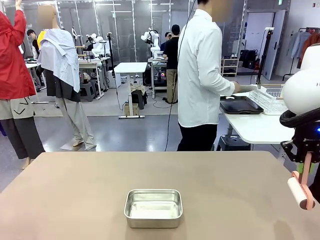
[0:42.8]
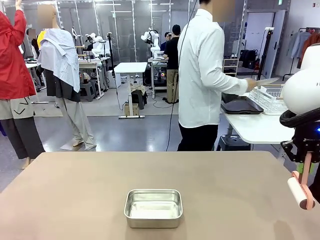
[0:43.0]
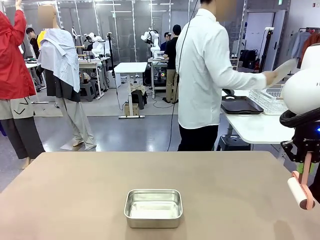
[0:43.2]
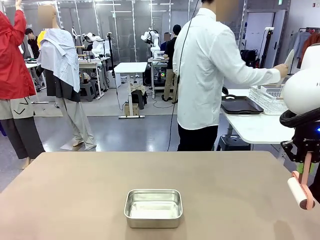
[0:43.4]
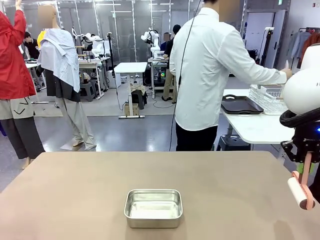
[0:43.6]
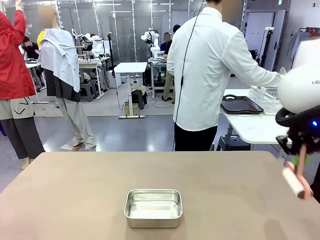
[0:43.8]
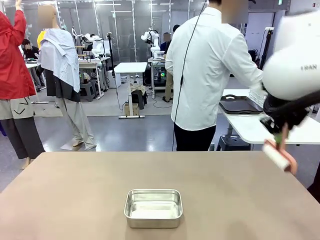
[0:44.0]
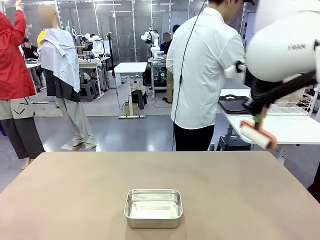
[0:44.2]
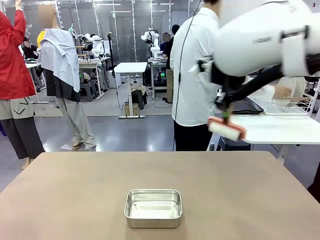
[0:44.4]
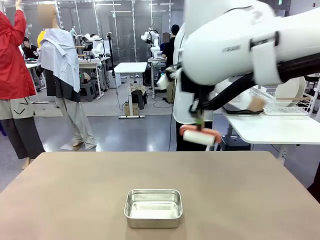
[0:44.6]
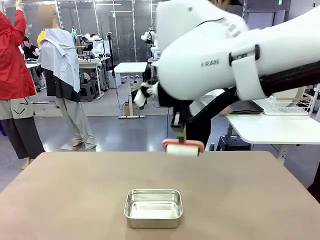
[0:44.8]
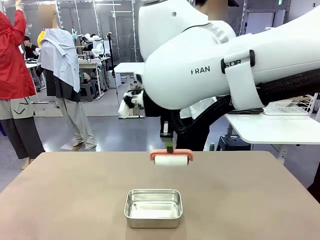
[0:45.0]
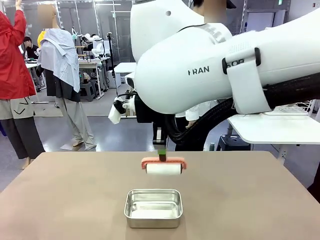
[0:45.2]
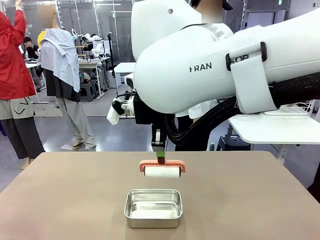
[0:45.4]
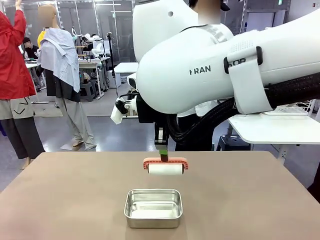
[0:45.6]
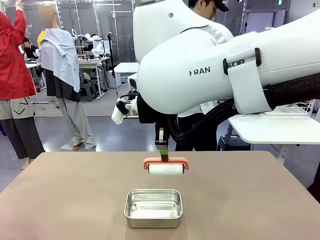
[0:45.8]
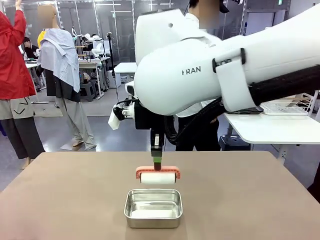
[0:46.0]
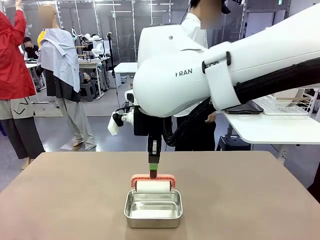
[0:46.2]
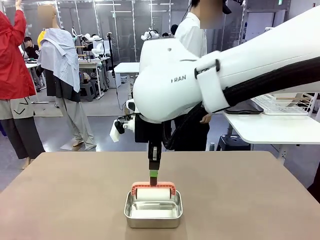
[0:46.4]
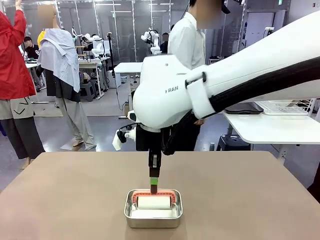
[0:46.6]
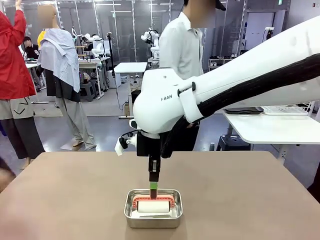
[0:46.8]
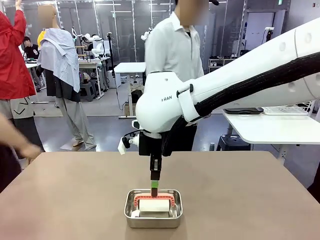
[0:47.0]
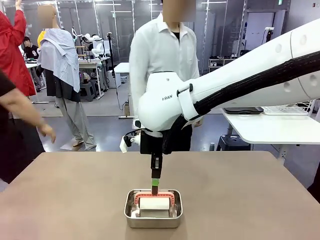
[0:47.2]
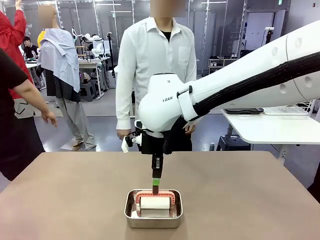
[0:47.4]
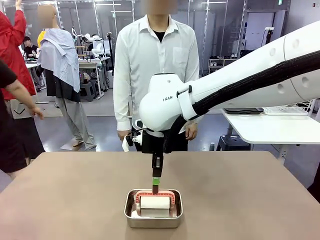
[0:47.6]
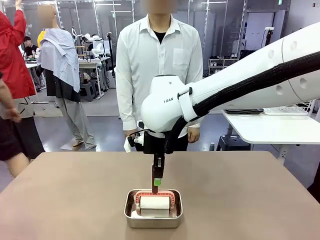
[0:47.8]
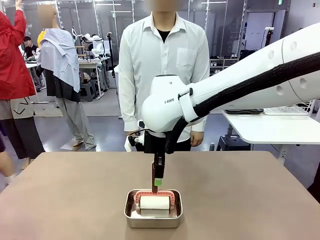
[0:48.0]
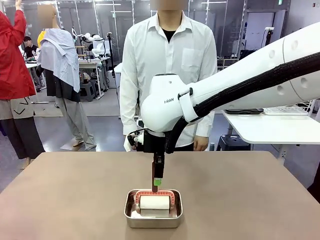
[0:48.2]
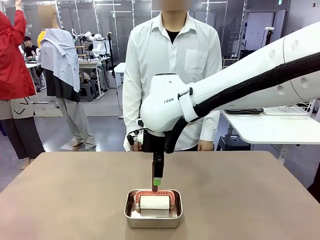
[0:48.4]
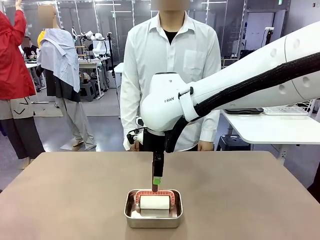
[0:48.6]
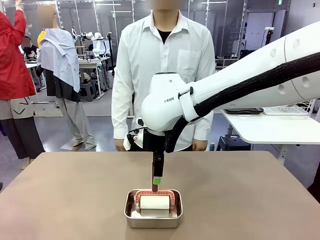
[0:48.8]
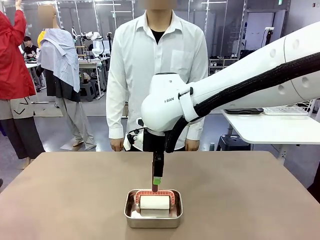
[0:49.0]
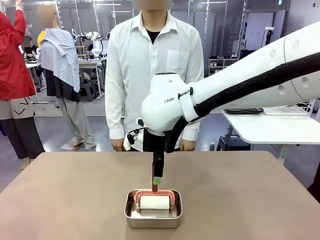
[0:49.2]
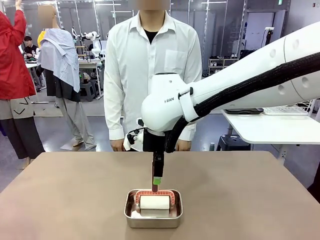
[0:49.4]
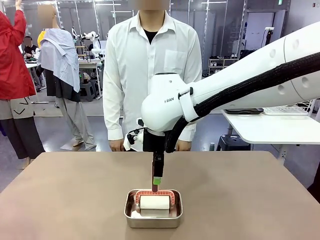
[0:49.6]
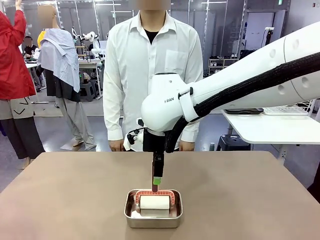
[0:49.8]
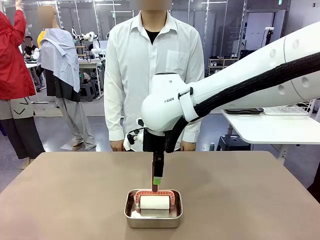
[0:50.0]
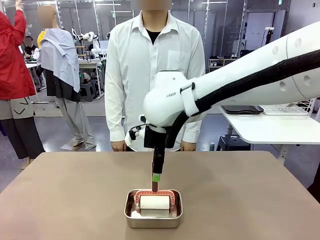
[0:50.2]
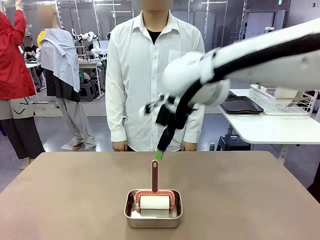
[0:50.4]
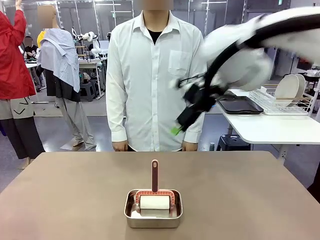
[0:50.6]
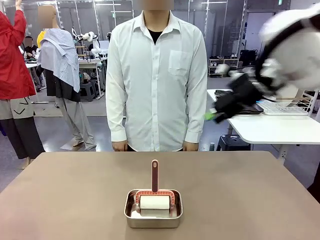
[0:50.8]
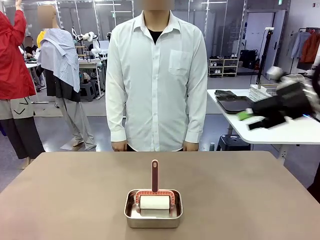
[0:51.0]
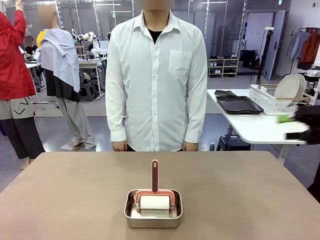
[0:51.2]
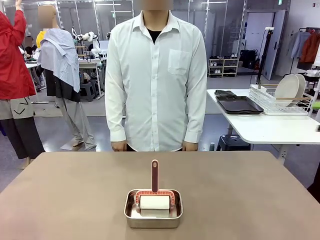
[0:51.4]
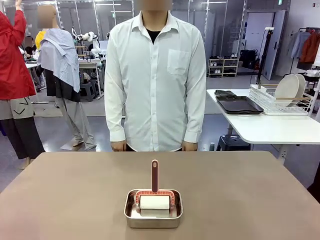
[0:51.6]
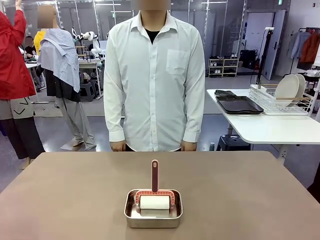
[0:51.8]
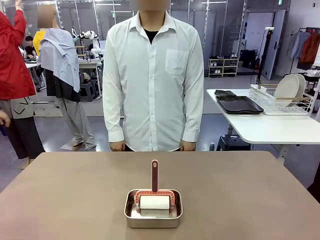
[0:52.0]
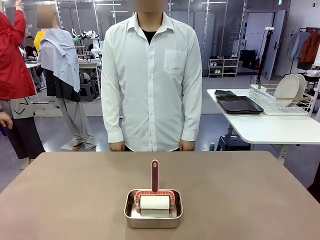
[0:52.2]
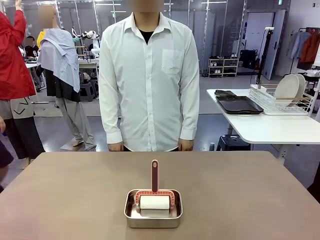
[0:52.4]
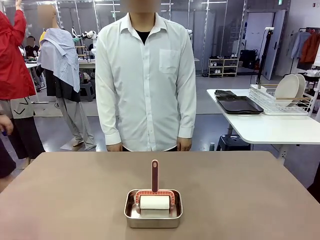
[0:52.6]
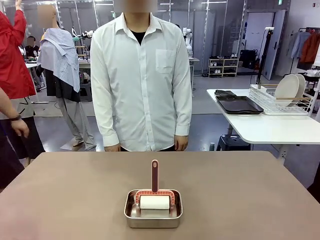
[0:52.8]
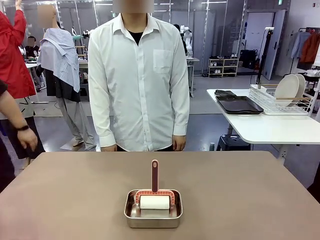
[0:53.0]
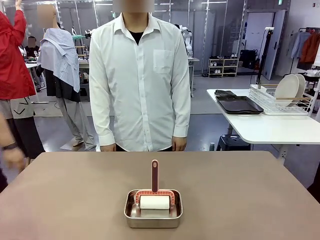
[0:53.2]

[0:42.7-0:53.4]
Robot: Place the Lint Roller back on top of the Airtight Container.
Person: Use the Towel with hook to wipe the Plastic Matte Plate , Fork , and Knife and place into the Dish drying rack.

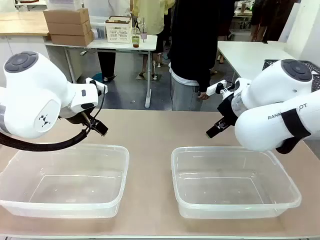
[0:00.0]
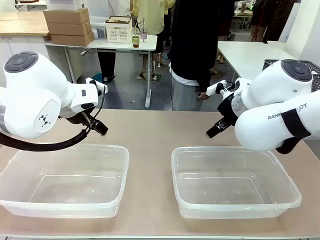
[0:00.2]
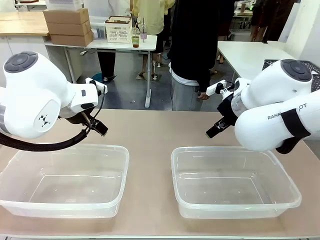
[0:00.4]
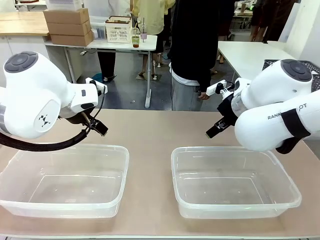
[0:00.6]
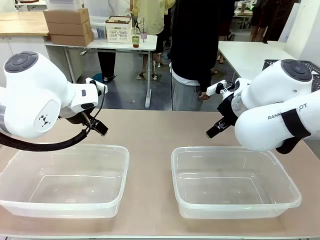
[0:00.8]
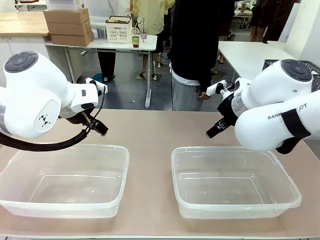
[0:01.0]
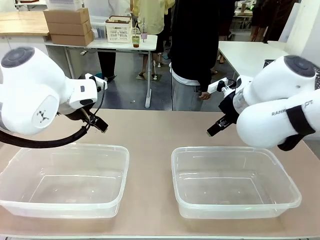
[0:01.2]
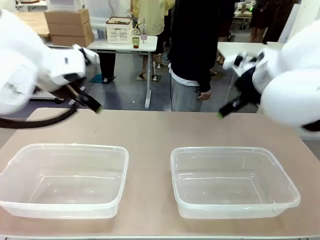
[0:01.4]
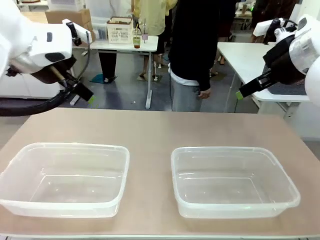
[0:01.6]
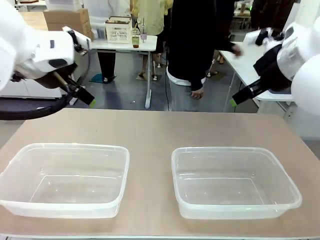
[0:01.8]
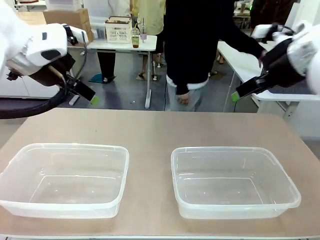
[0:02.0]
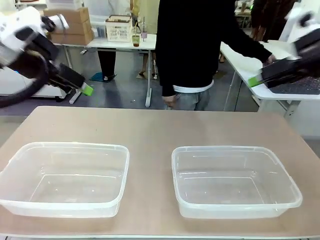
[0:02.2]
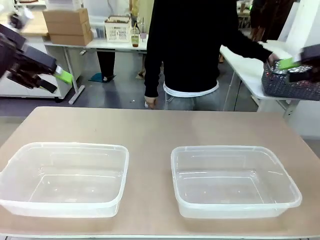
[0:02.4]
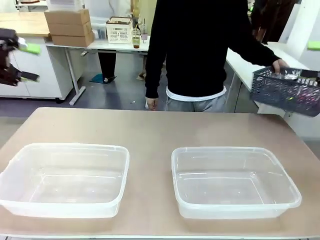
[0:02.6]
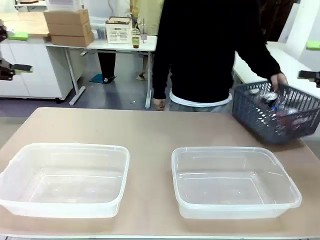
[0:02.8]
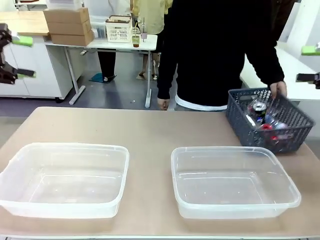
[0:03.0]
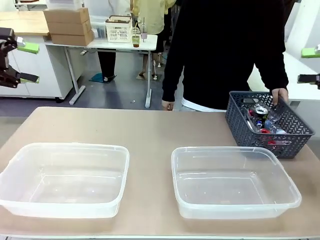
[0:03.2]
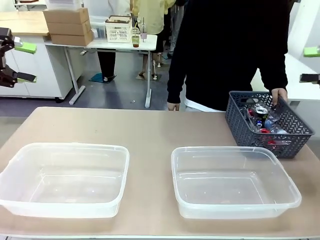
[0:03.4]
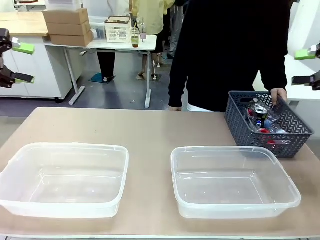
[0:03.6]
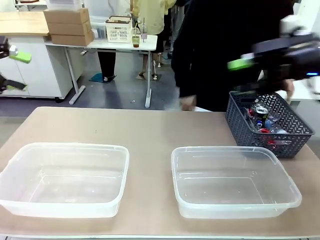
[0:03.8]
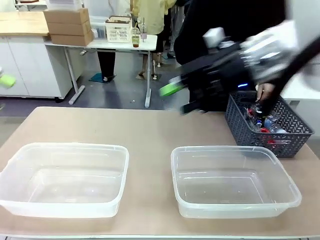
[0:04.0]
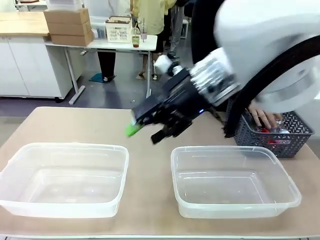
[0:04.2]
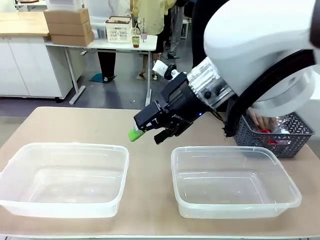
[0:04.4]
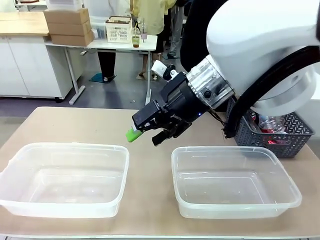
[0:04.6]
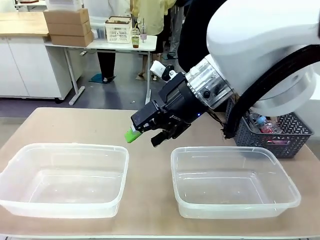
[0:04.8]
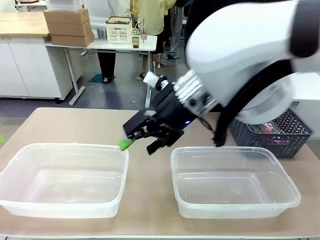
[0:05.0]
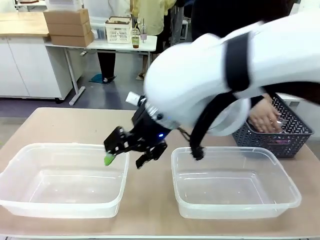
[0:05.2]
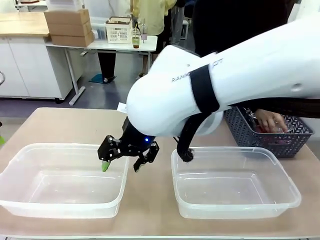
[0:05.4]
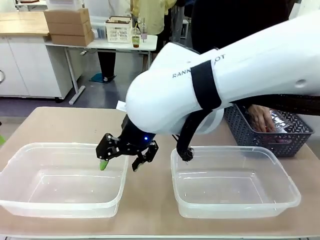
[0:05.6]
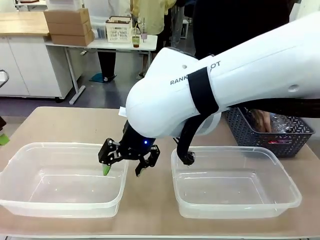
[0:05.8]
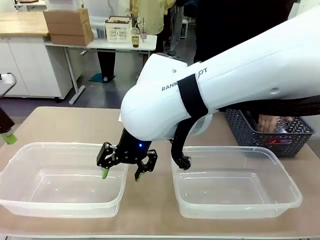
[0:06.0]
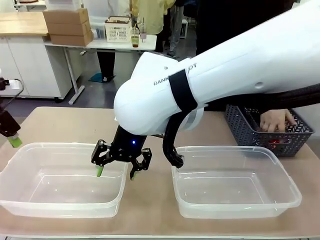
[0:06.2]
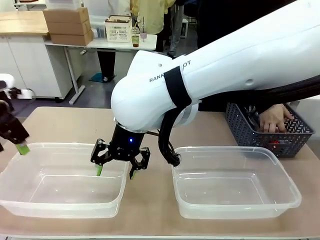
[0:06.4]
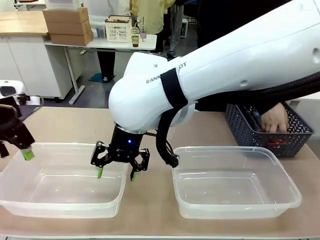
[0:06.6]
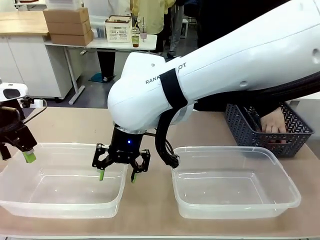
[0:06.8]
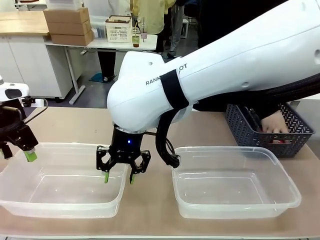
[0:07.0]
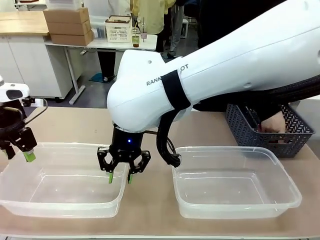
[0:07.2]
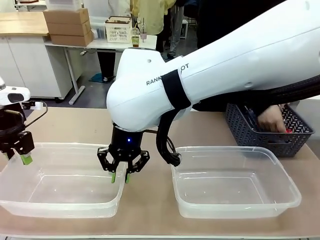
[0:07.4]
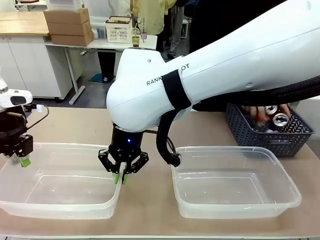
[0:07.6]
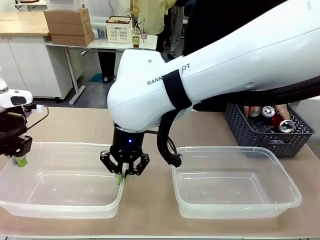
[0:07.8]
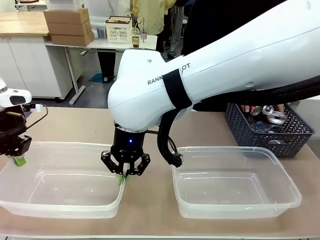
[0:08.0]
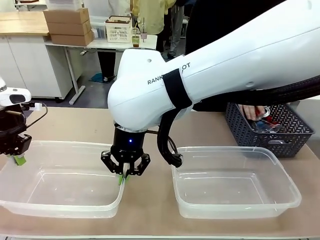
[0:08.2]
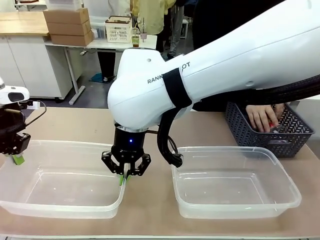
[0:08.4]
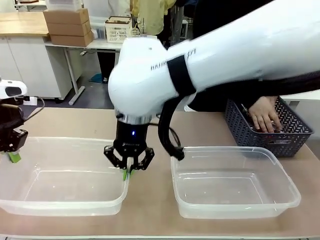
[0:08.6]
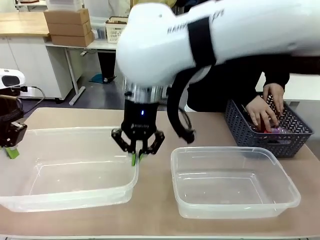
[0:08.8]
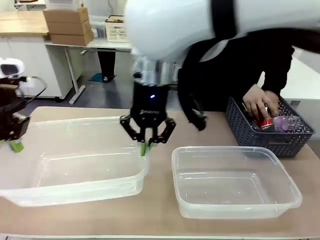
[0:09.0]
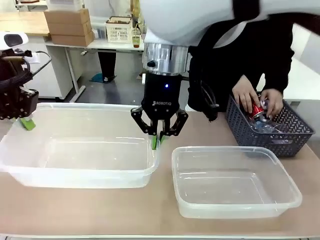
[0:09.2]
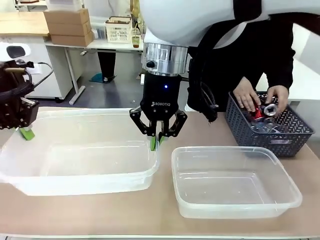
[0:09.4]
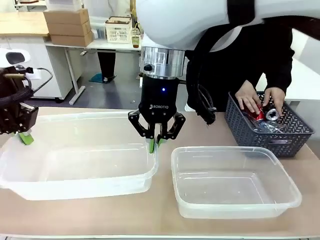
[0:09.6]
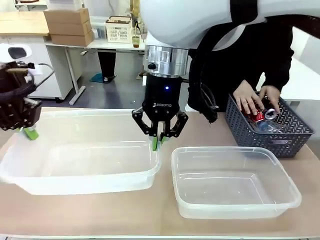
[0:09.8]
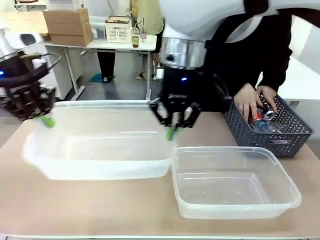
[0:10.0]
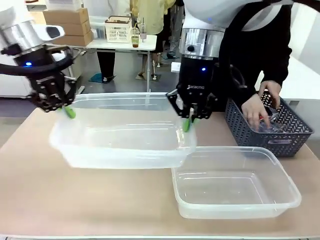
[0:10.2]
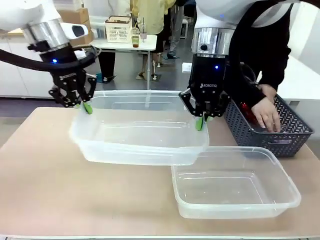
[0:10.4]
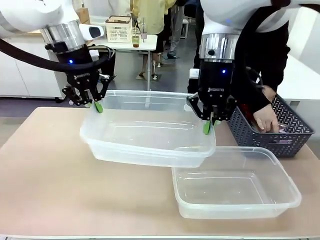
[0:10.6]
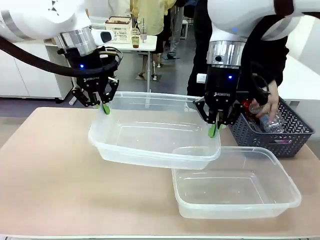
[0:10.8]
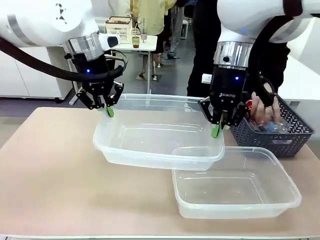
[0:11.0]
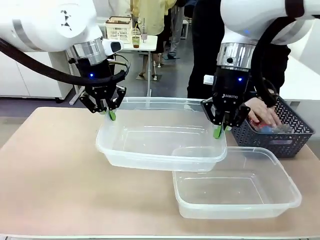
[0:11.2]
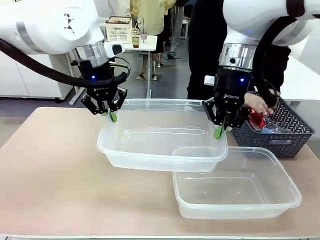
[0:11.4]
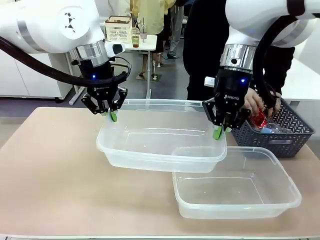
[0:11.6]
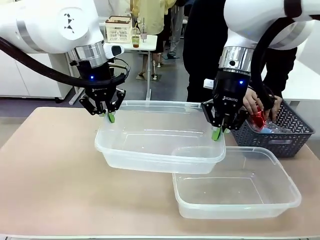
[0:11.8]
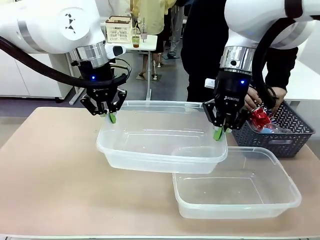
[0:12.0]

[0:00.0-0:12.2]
Robot: Pick up the Organizing box on the left side of the table and lift it.
Person: Pick up the storage basket and place it on the left side of the robot table. Pick up can-shaped waste one by one and place it into the organizing box lifted by the robot.
